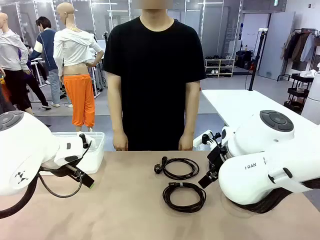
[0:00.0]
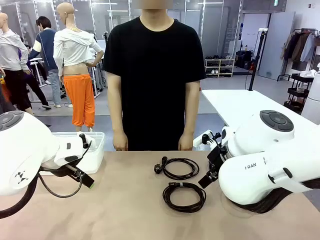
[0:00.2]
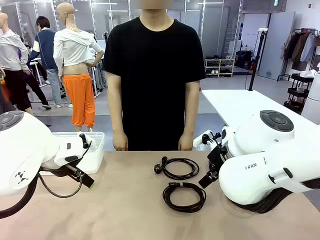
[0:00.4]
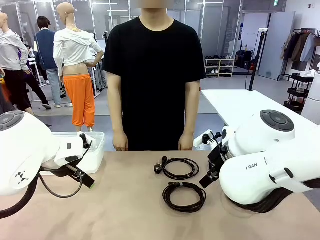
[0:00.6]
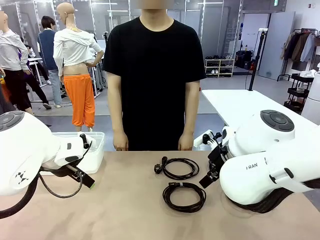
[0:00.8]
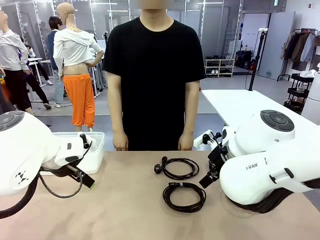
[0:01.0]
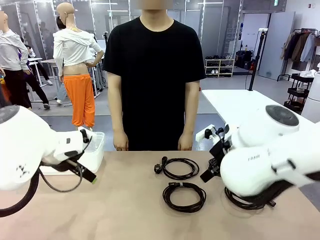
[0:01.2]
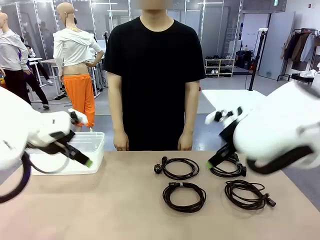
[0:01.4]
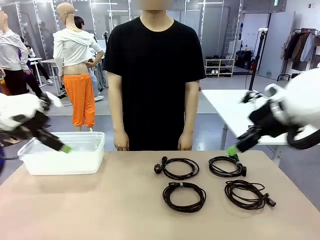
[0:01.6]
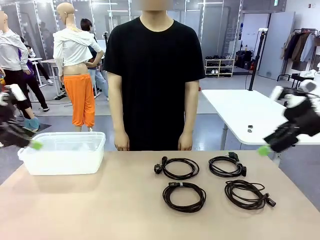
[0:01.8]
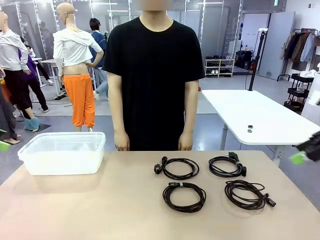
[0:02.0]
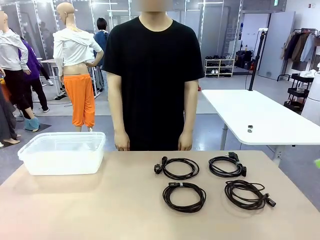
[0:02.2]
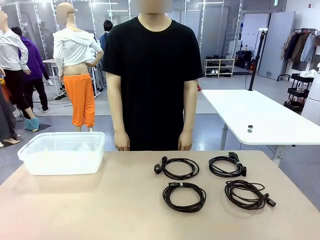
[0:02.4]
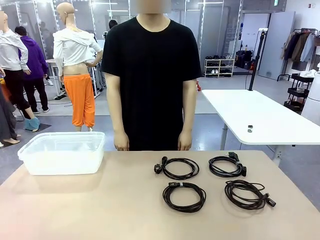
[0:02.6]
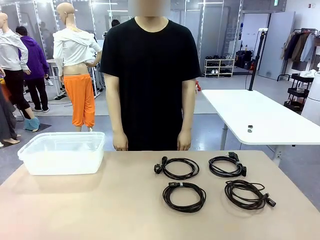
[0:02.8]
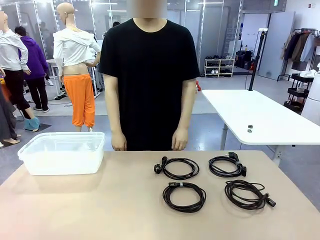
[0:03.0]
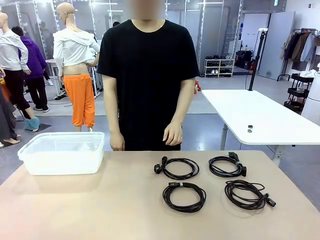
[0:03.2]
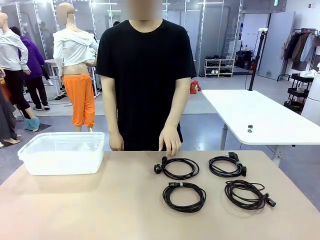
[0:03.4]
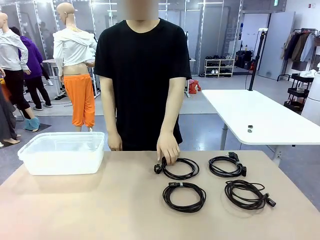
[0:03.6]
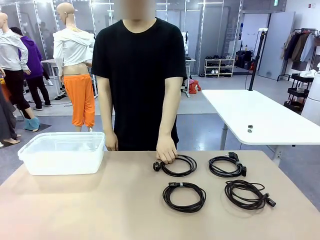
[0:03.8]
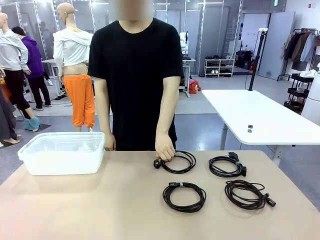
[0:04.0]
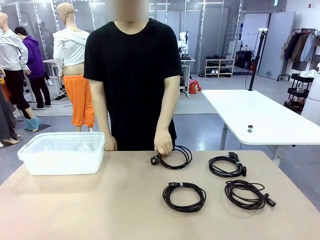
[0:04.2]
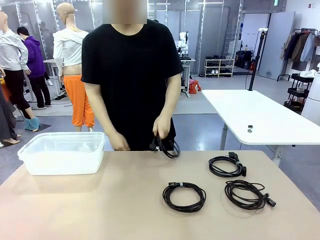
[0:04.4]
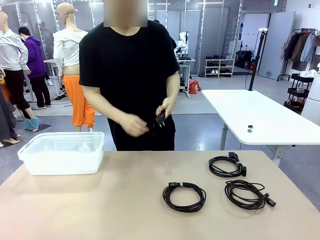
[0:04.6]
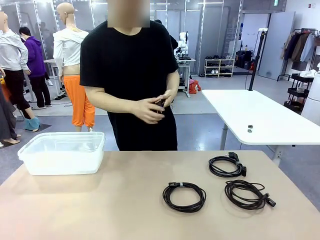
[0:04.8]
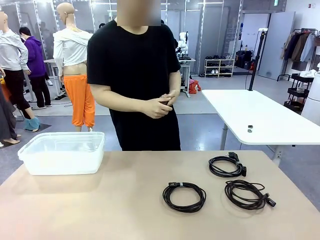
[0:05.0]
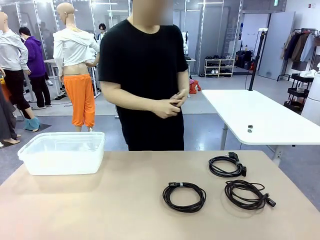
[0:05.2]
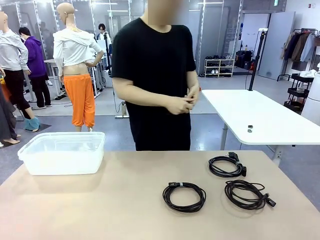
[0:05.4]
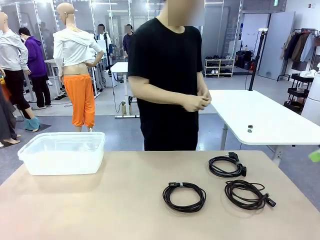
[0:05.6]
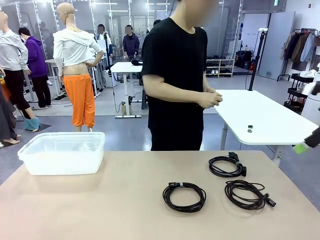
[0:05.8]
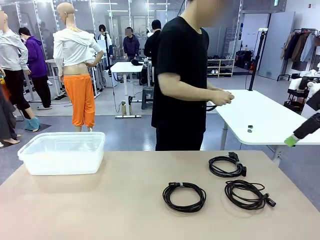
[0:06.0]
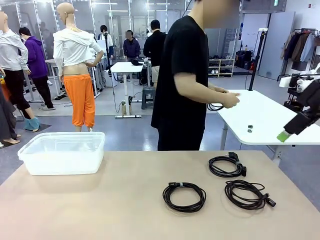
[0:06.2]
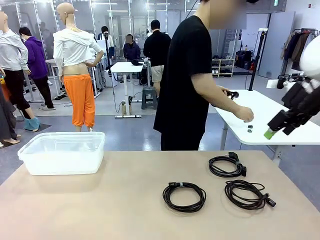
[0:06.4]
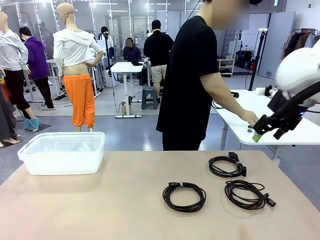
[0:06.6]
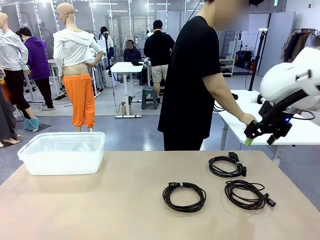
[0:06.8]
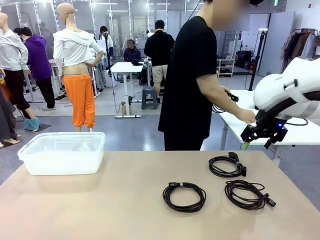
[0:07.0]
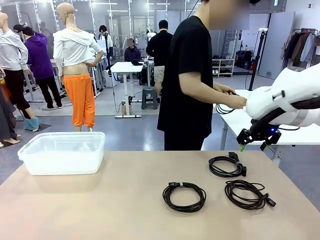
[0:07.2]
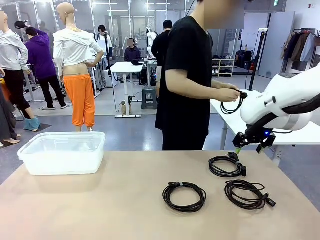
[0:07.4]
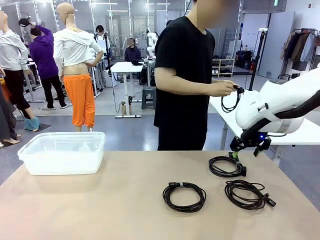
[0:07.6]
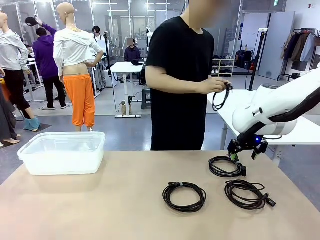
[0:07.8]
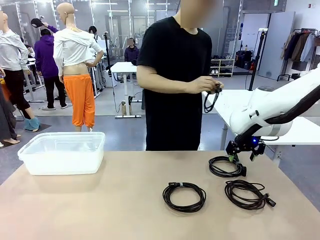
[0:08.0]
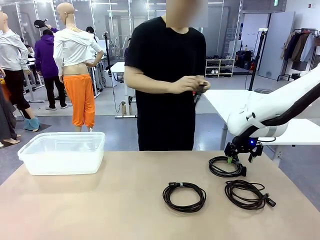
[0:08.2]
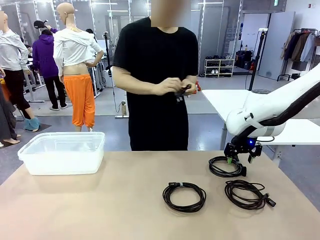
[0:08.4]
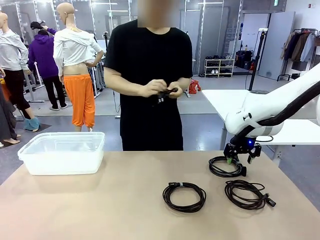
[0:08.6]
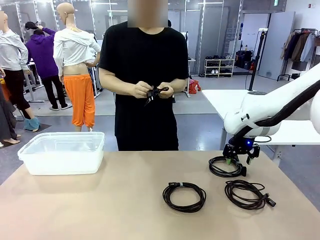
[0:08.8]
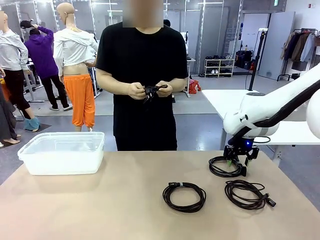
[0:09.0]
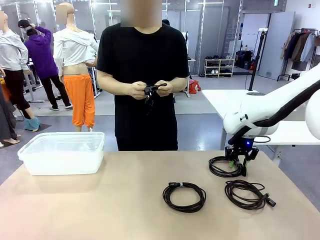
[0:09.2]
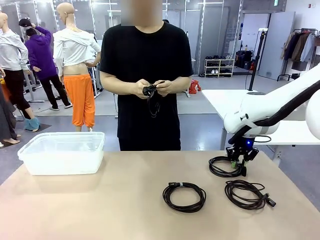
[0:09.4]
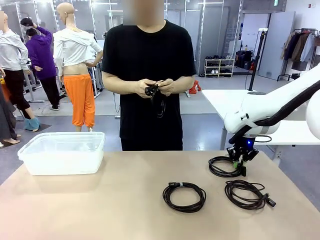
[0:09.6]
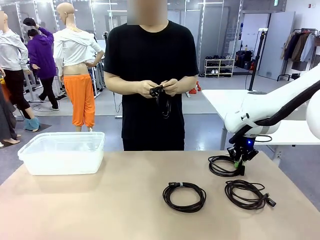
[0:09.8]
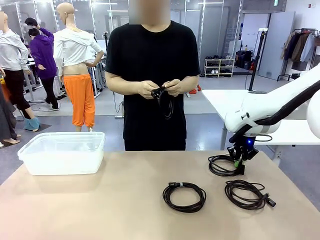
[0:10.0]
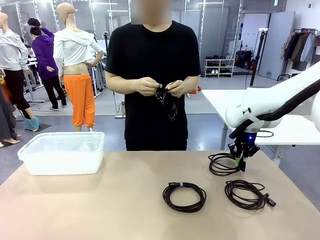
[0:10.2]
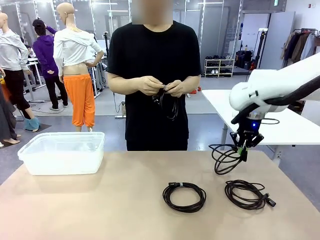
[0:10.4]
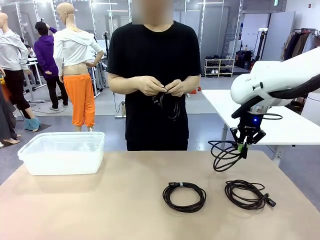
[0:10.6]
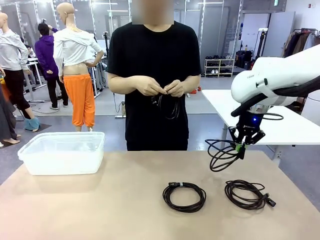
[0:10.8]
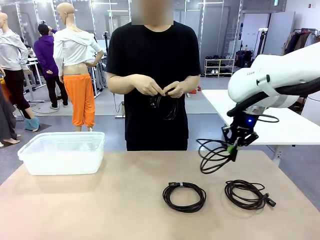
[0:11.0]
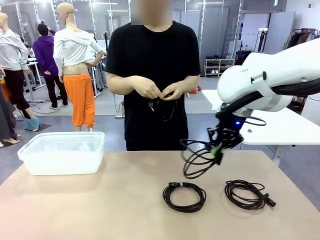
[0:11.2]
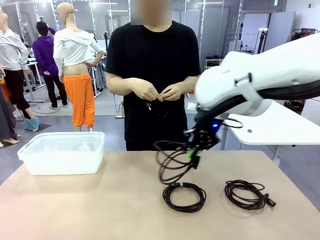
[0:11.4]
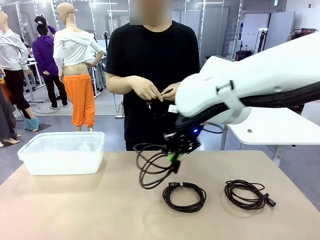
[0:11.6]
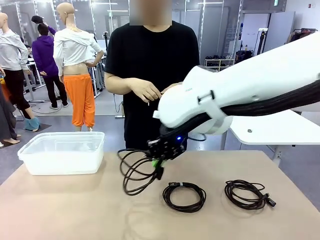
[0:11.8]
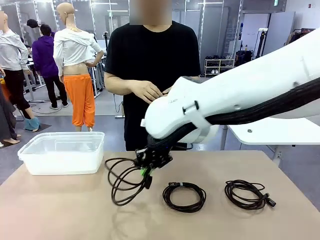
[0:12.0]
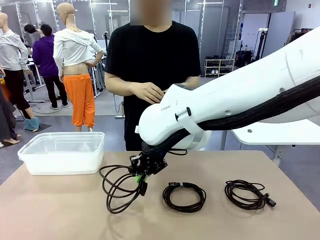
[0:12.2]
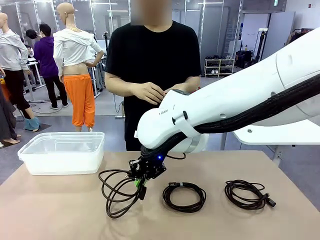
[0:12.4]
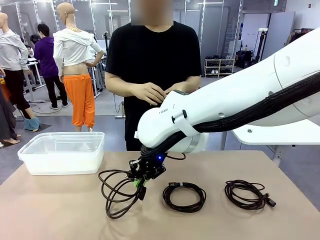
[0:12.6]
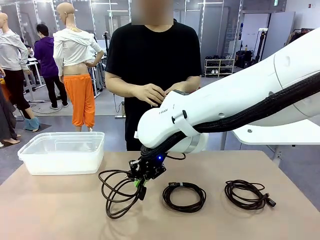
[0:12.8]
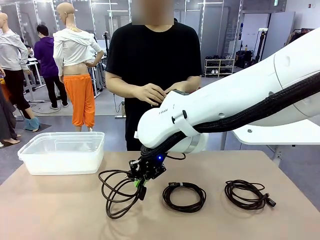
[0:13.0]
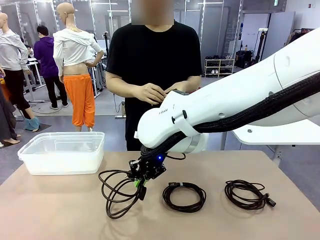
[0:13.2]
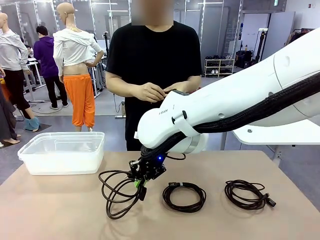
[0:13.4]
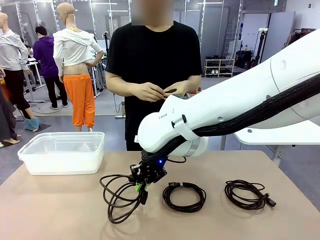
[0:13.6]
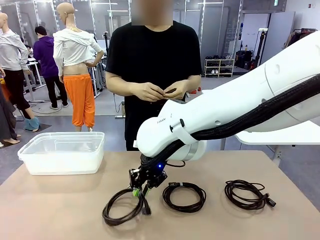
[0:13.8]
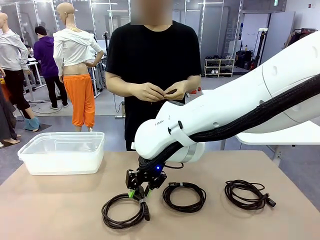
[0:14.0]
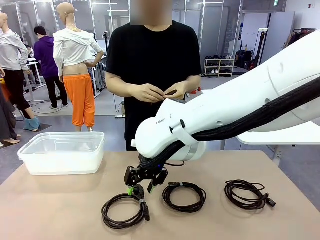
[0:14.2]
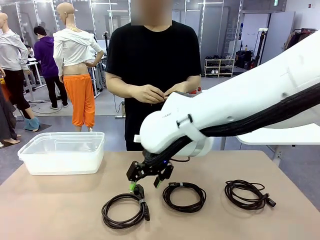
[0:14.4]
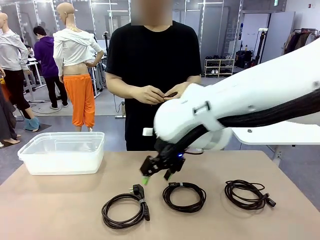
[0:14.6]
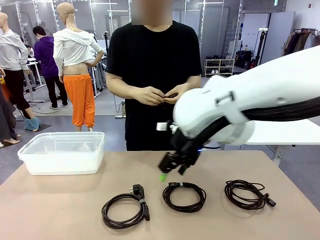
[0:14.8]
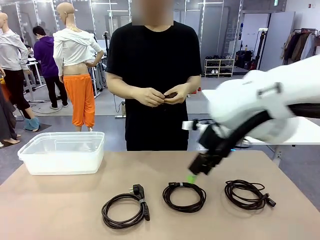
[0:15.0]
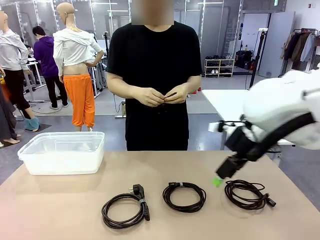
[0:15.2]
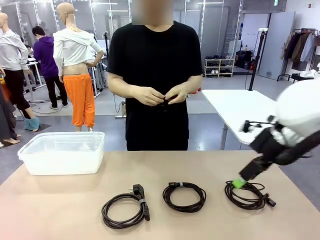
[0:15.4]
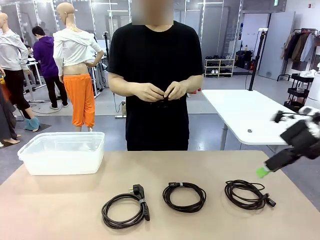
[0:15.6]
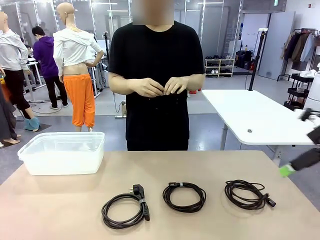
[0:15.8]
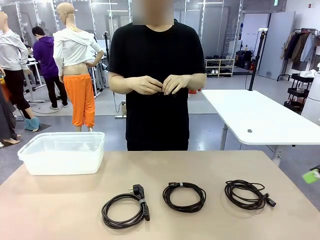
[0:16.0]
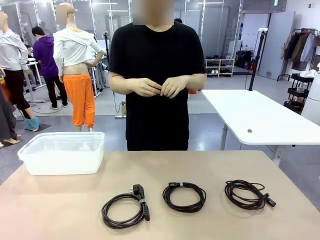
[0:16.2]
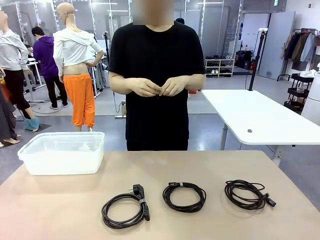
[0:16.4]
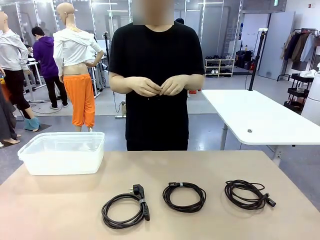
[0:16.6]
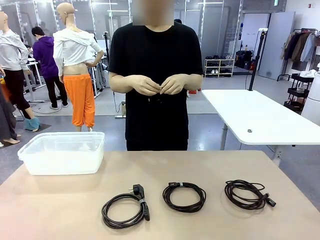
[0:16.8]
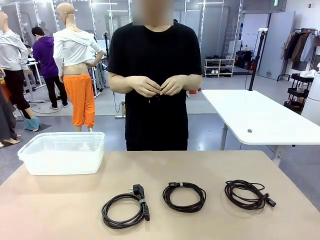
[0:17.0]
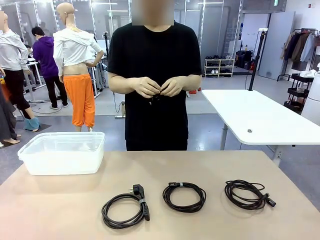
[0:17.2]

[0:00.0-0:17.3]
Task: Organize and store the cables.
Robot: Place the Power Cable into the Organizing box.
Person: Tie one Power Cable with a Reusable Cable Tie.
